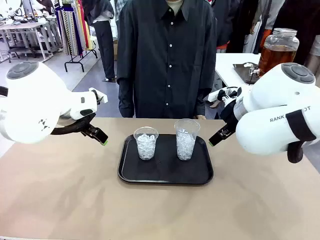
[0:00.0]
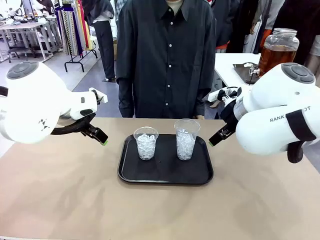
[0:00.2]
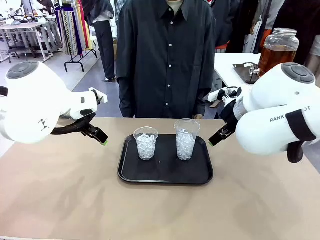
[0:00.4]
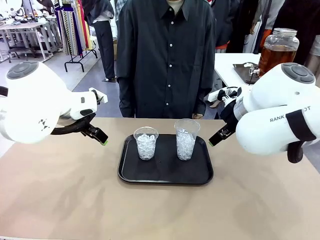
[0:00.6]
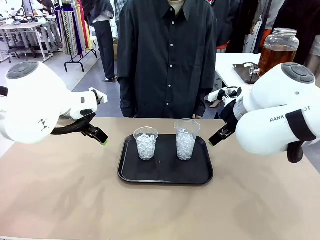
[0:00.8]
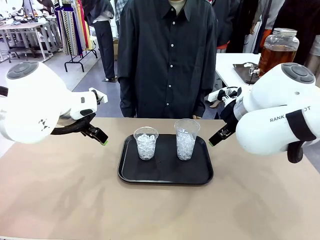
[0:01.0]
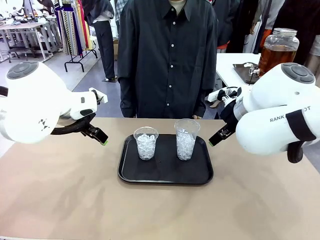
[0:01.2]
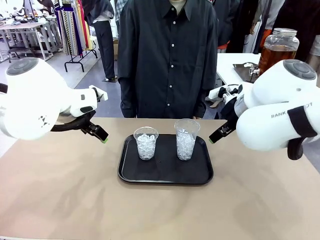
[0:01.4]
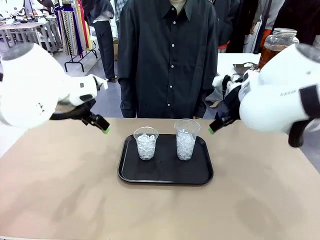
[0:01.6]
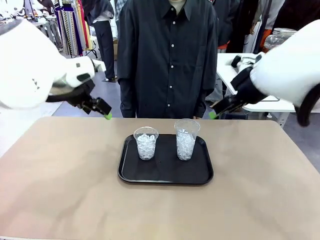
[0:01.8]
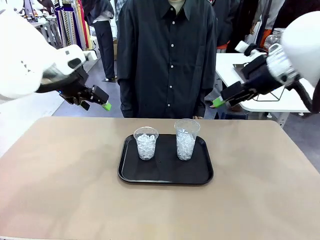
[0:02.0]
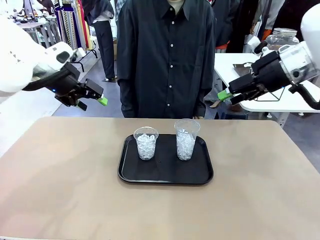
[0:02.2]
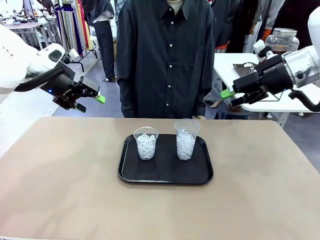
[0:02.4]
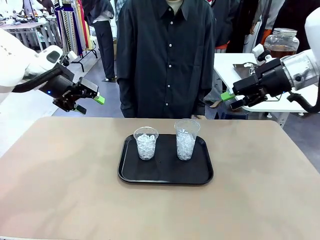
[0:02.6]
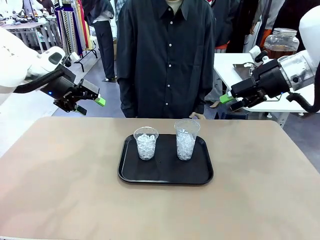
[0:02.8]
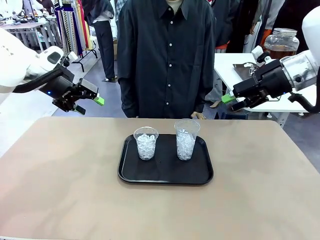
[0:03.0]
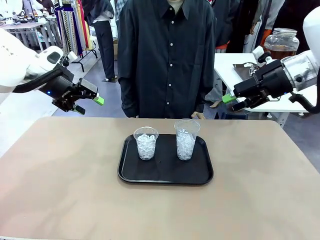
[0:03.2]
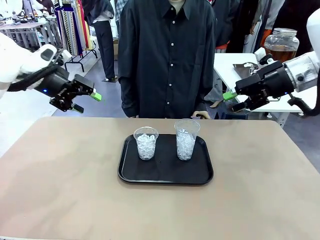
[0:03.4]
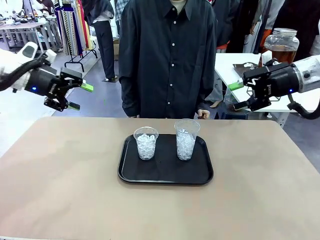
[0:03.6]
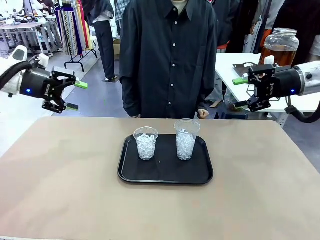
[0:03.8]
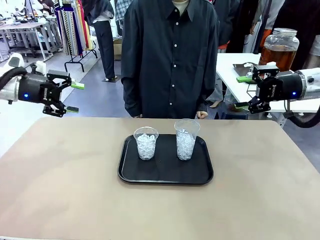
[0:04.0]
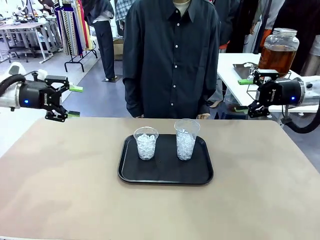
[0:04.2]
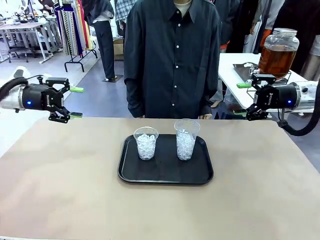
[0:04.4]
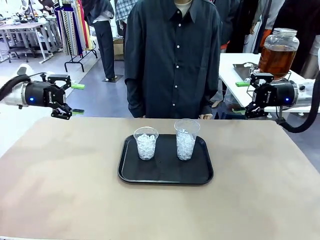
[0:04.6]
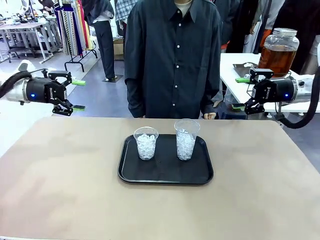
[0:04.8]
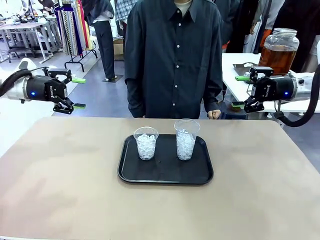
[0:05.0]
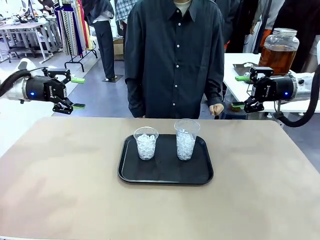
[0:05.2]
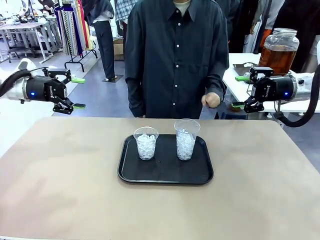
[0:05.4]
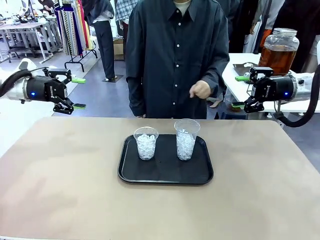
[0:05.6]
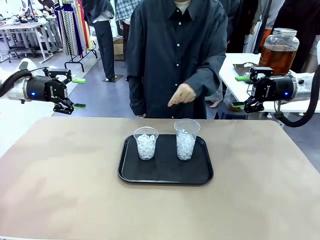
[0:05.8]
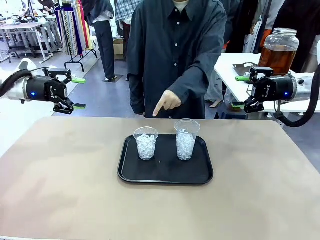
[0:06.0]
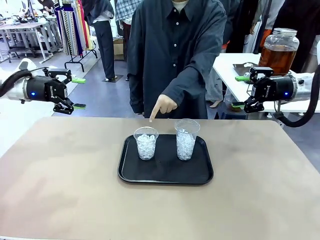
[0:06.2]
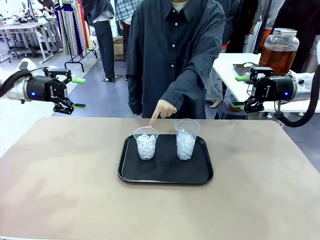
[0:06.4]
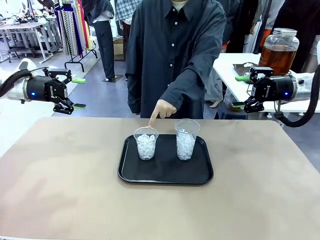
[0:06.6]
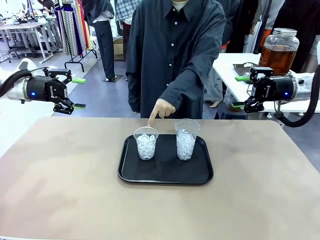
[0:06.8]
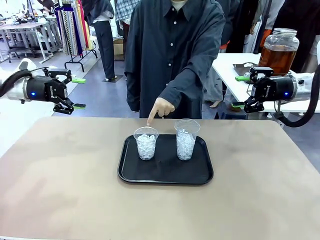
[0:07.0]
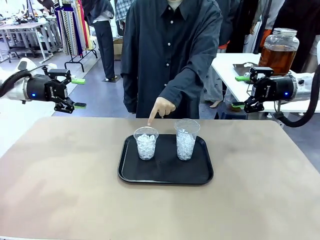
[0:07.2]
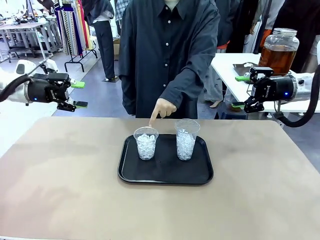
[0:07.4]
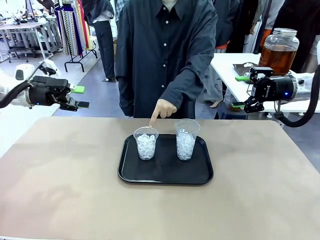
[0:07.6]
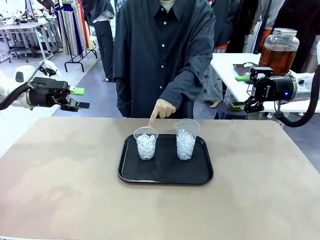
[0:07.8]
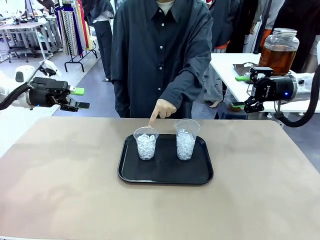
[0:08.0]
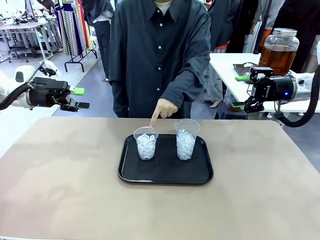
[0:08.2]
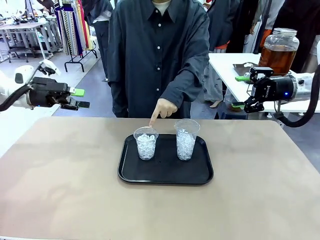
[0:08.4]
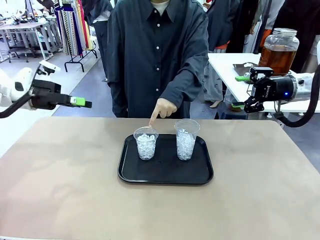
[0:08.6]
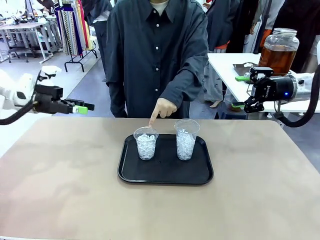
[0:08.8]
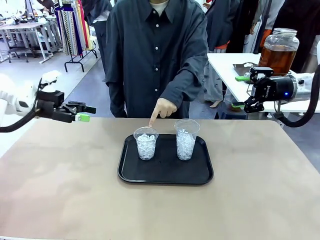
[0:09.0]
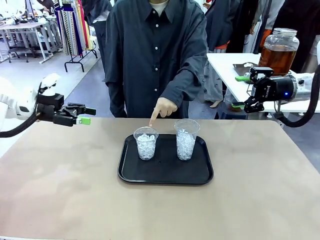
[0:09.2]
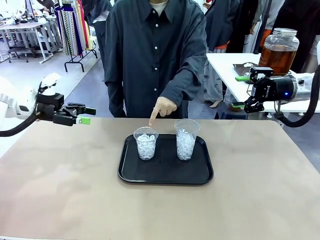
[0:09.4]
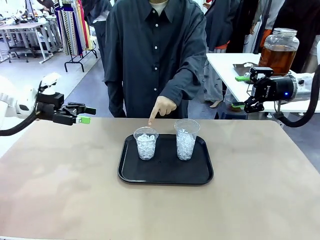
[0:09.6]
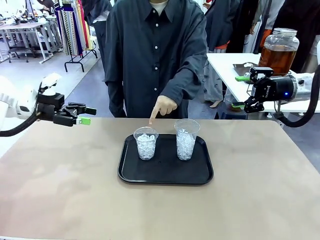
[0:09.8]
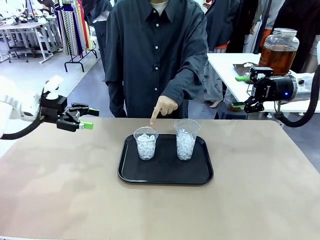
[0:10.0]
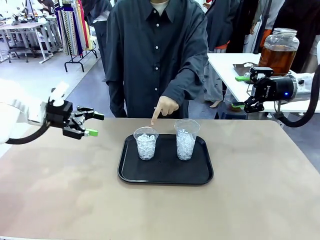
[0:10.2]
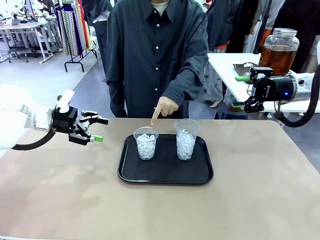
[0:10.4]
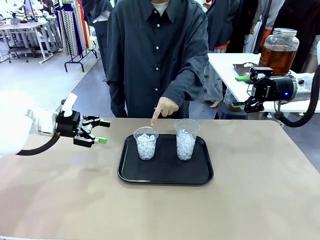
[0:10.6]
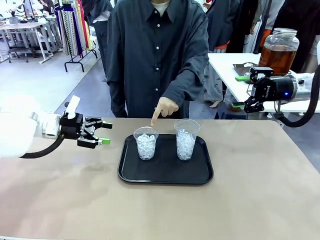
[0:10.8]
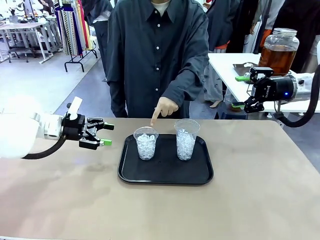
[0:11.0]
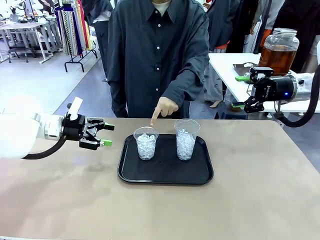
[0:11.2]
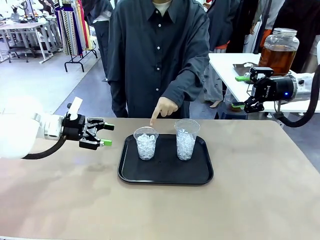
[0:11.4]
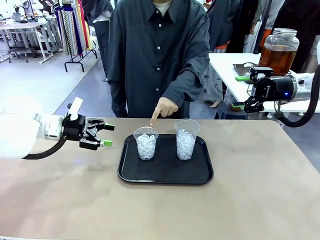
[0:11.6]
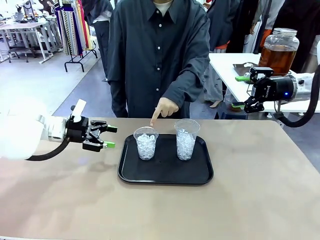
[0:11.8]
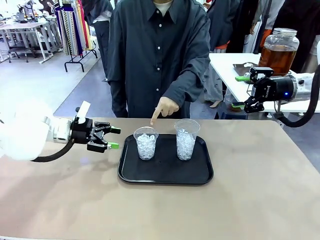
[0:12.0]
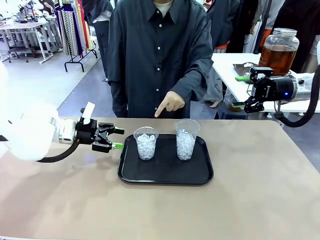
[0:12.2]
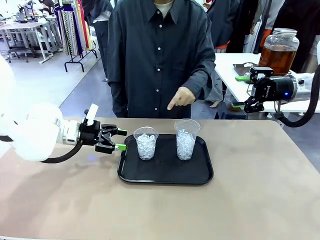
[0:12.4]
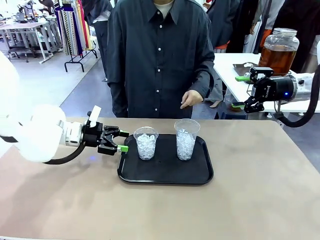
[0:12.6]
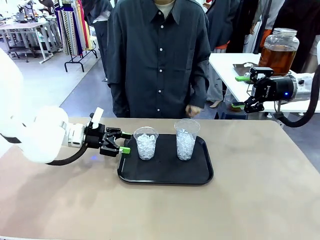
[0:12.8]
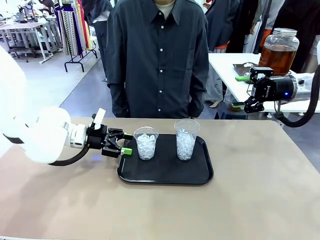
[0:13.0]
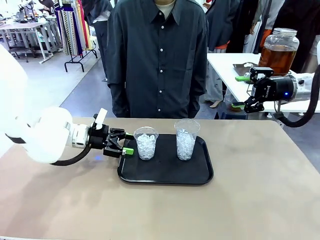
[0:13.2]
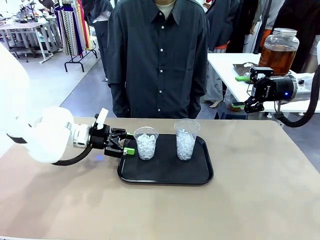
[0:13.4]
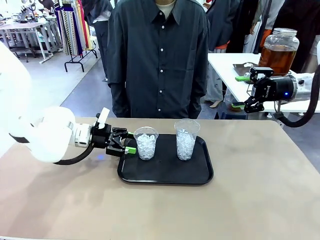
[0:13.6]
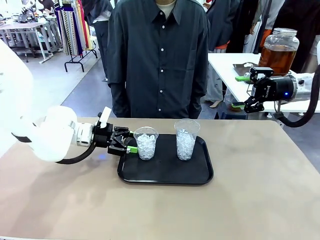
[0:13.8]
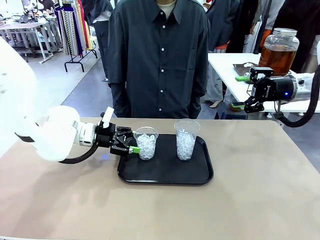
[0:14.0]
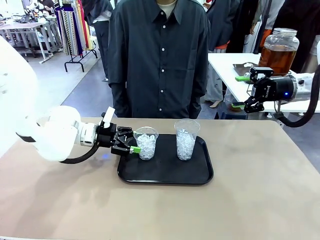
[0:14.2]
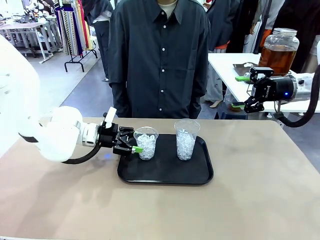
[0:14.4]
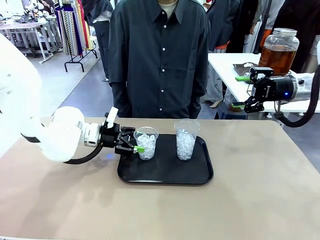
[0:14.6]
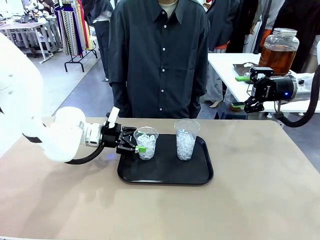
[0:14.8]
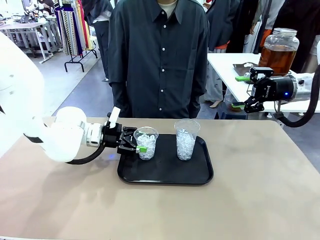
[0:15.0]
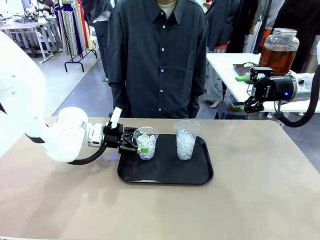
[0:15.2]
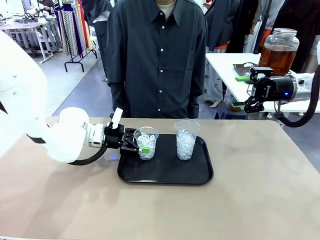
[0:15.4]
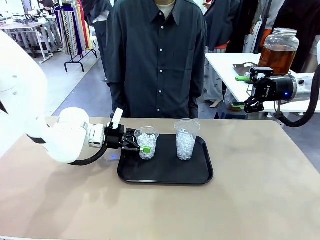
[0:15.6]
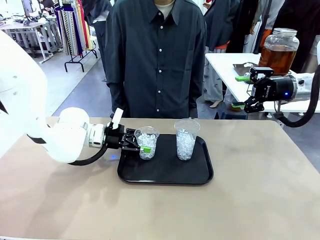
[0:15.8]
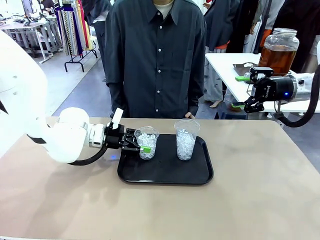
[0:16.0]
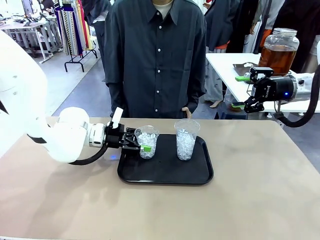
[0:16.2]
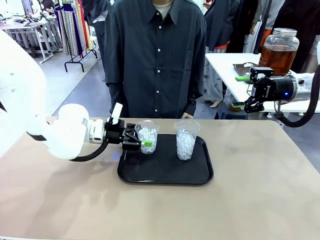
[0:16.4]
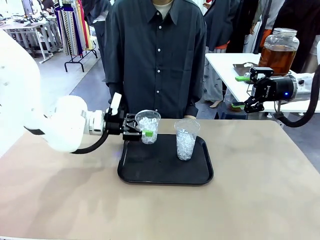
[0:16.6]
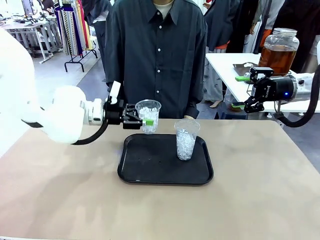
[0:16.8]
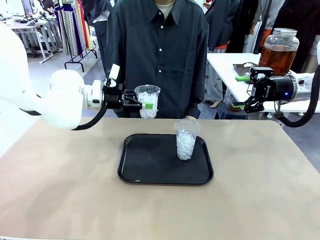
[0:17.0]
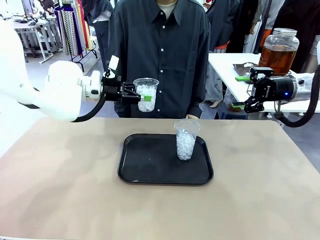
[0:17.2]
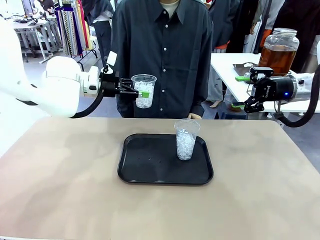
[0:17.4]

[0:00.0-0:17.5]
Task: Pour the drink into the iced cup.
Robot: Pick up the iced cup indicated by the human and present it to them.
Person: Point to one of the two ice cups. Pick up the cup offered by the robot.

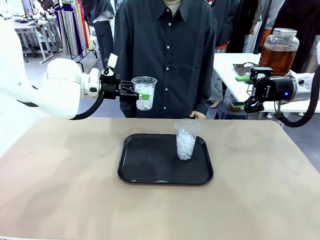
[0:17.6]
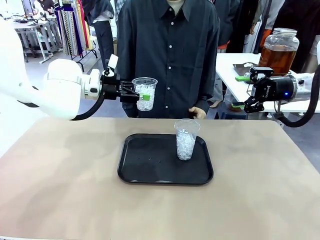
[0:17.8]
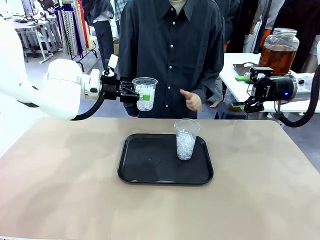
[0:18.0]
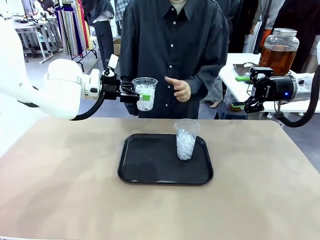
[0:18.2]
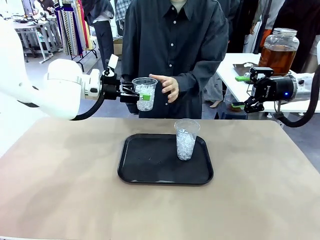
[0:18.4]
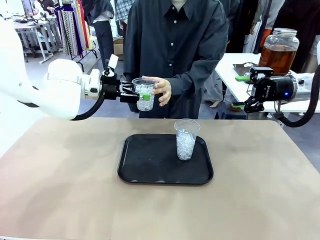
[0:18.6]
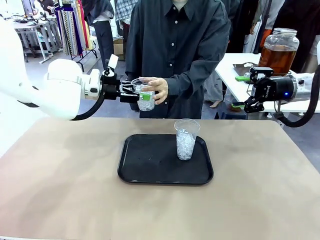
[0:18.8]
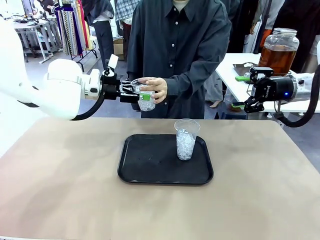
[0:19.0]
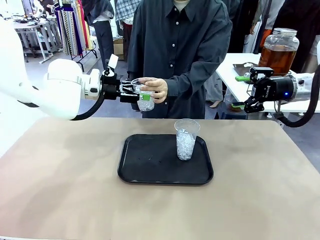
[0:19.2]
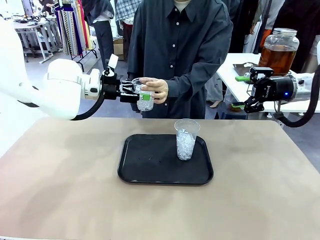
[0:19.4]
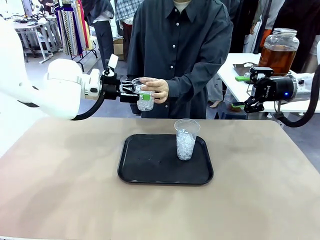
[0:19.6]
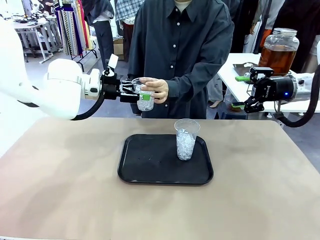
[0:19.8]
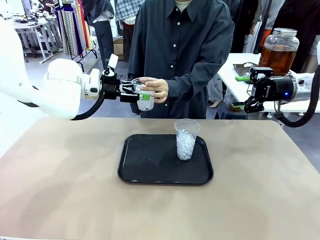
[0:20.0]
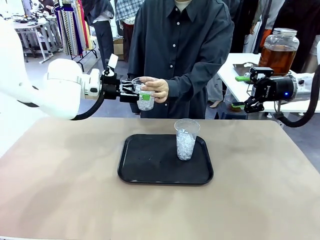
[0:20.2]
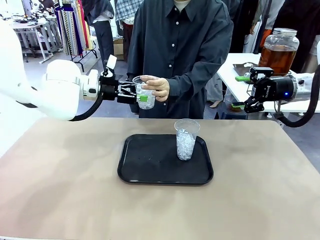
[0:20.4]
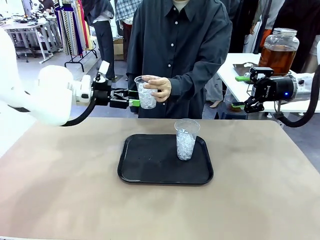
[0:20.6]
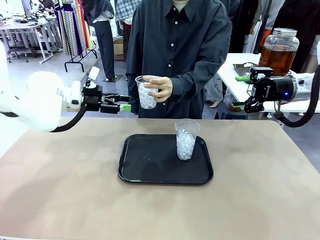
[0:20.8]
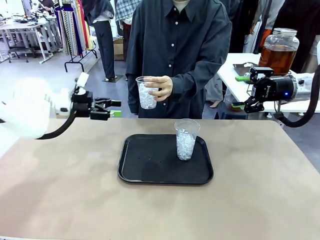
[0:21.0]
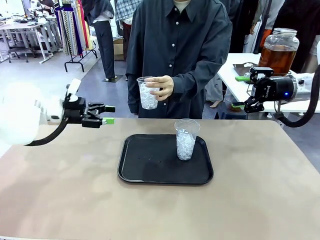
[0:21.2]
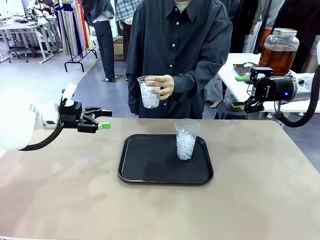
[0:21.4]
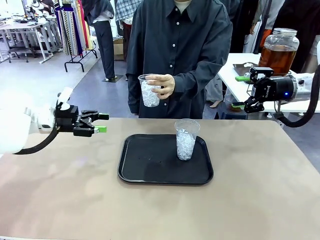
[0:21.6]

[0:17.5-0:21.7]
Robot: Open the gripper to release the iced cup you were holding.
